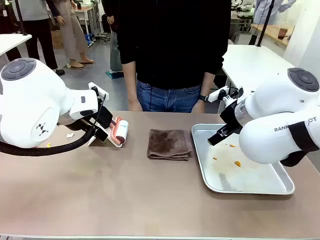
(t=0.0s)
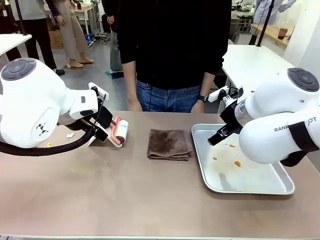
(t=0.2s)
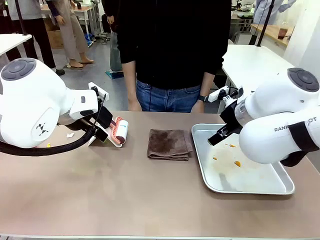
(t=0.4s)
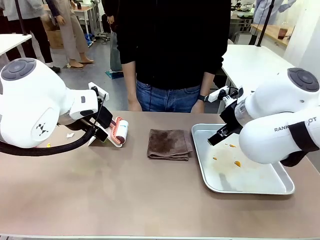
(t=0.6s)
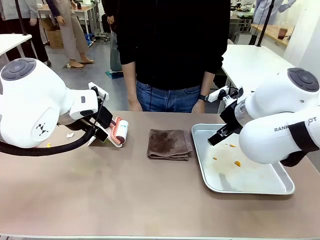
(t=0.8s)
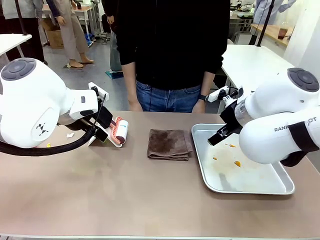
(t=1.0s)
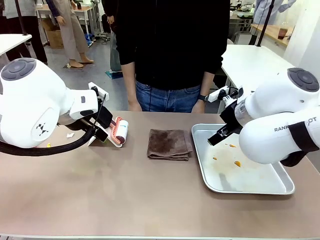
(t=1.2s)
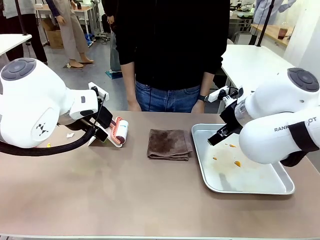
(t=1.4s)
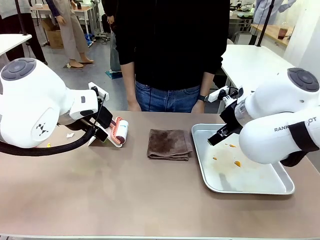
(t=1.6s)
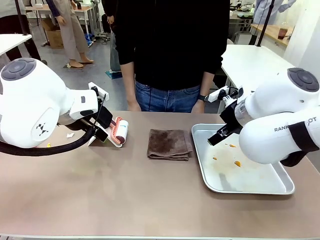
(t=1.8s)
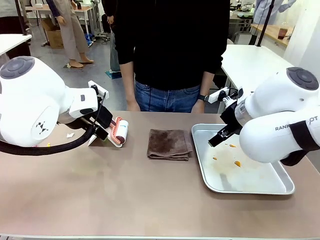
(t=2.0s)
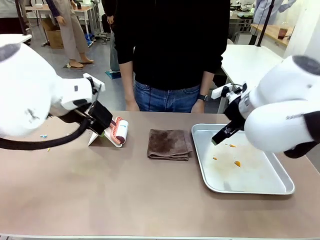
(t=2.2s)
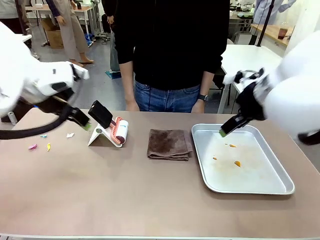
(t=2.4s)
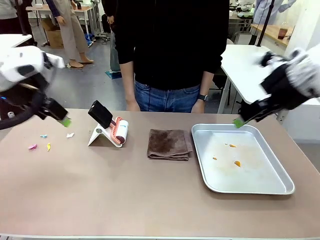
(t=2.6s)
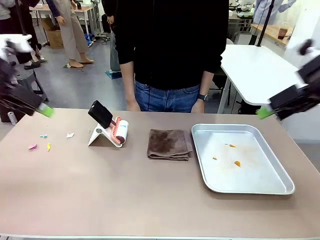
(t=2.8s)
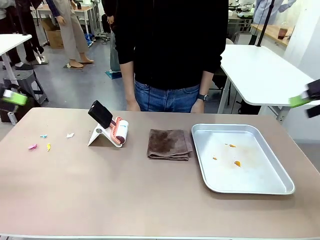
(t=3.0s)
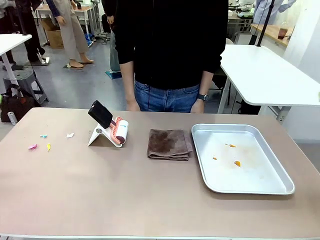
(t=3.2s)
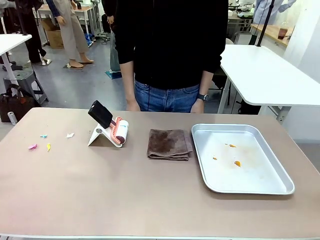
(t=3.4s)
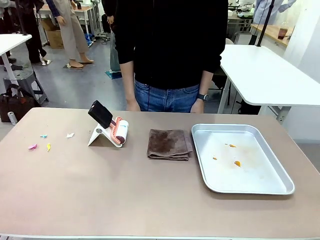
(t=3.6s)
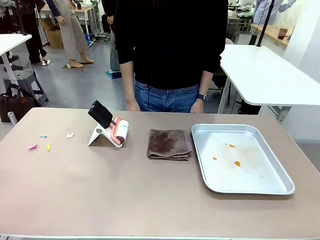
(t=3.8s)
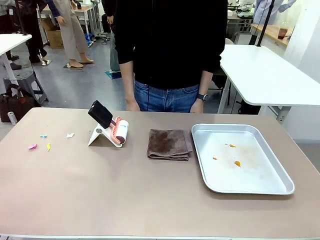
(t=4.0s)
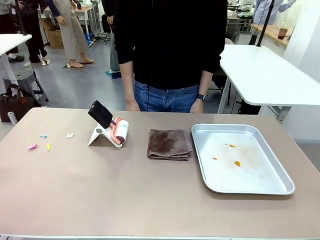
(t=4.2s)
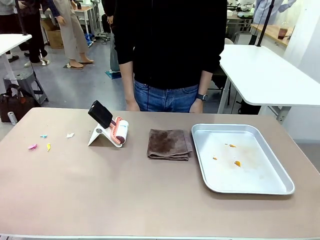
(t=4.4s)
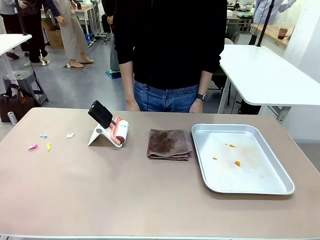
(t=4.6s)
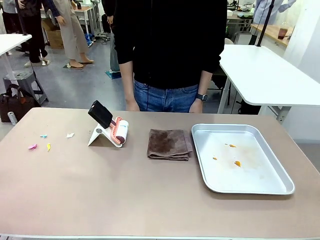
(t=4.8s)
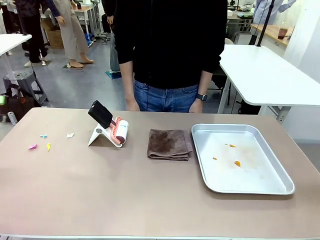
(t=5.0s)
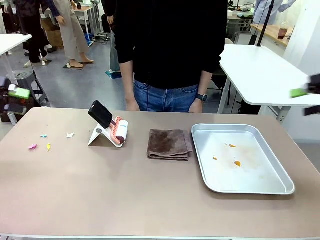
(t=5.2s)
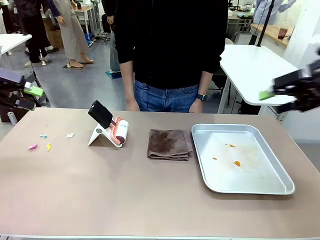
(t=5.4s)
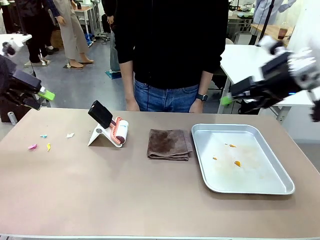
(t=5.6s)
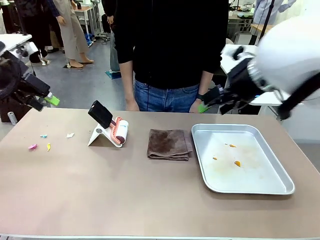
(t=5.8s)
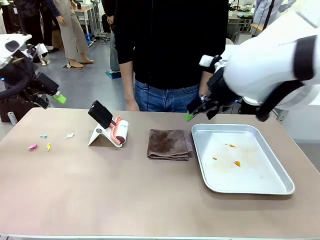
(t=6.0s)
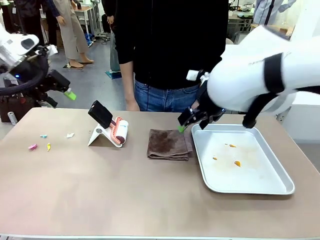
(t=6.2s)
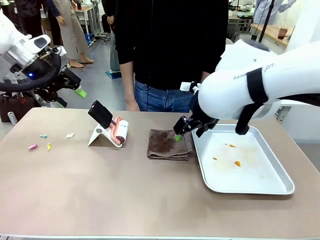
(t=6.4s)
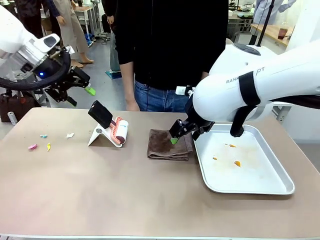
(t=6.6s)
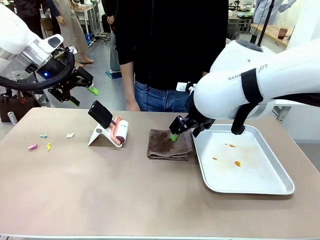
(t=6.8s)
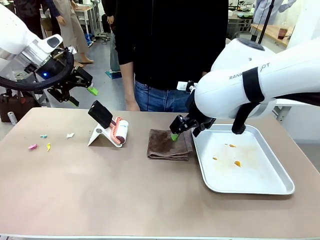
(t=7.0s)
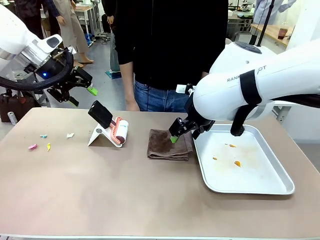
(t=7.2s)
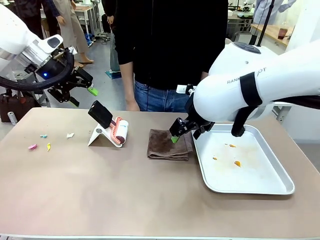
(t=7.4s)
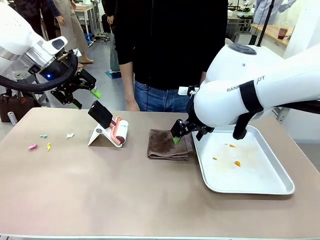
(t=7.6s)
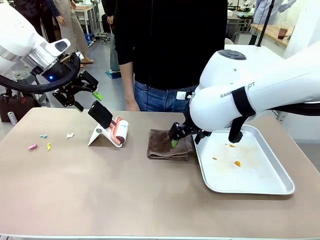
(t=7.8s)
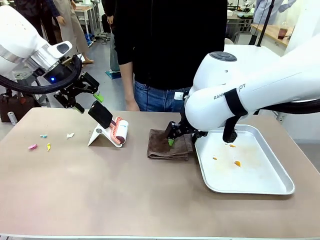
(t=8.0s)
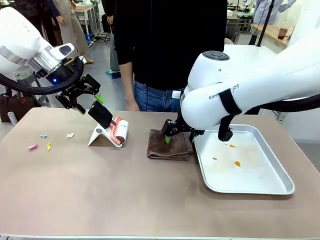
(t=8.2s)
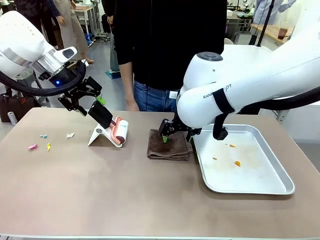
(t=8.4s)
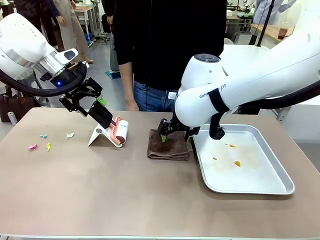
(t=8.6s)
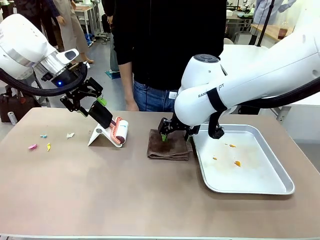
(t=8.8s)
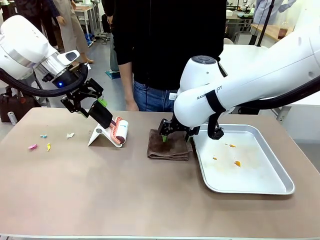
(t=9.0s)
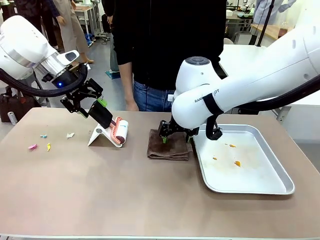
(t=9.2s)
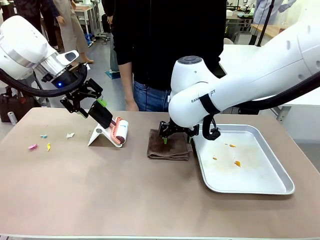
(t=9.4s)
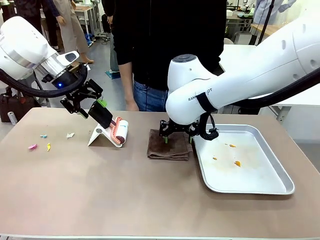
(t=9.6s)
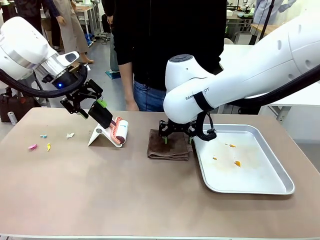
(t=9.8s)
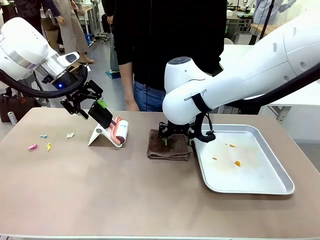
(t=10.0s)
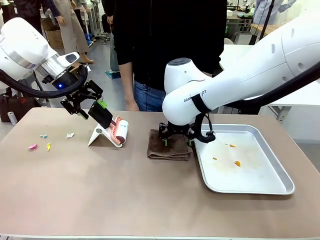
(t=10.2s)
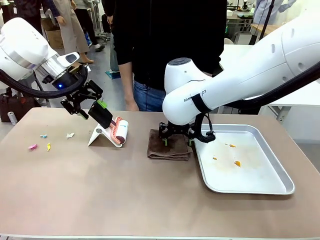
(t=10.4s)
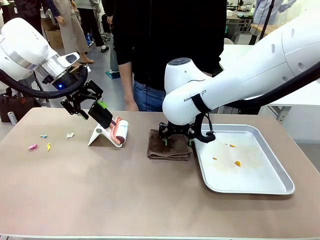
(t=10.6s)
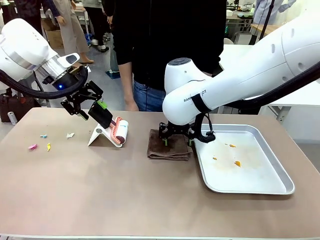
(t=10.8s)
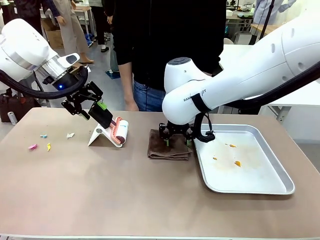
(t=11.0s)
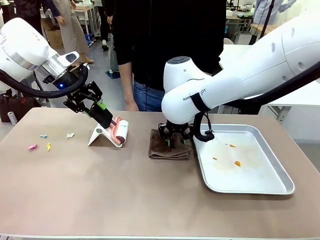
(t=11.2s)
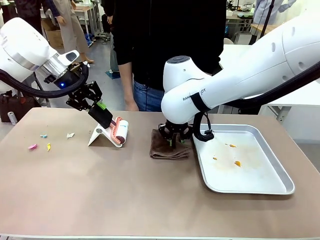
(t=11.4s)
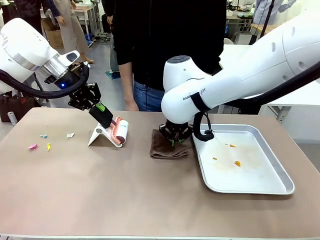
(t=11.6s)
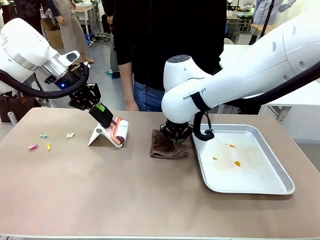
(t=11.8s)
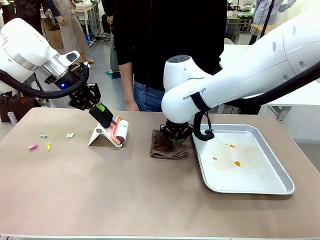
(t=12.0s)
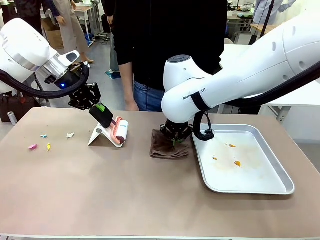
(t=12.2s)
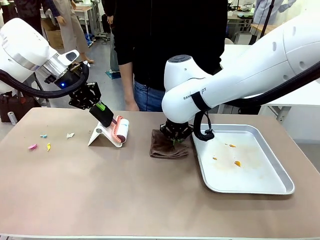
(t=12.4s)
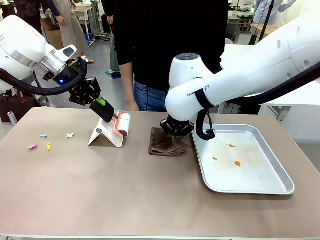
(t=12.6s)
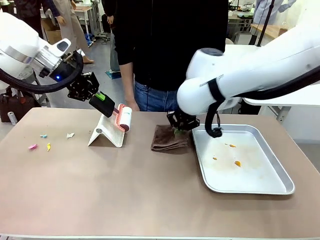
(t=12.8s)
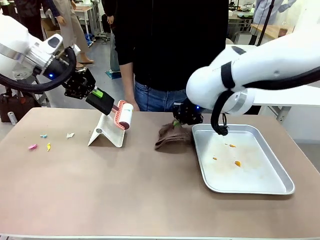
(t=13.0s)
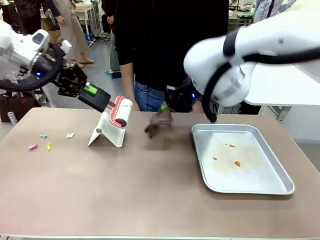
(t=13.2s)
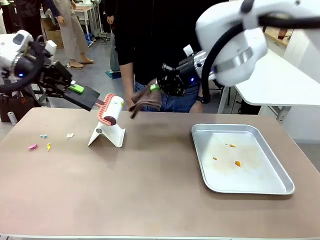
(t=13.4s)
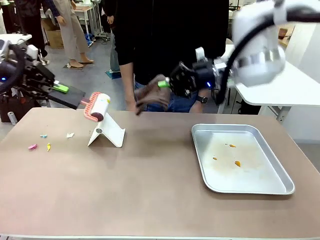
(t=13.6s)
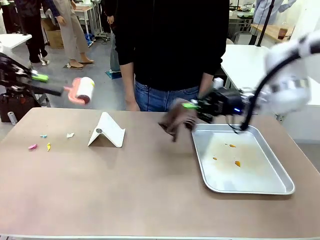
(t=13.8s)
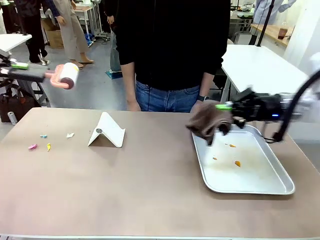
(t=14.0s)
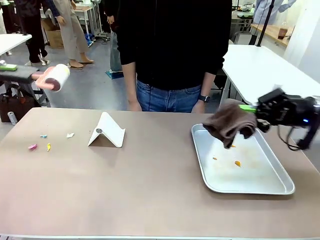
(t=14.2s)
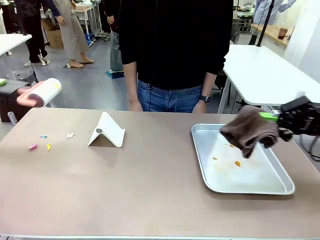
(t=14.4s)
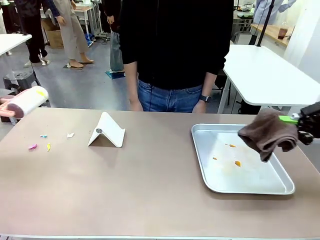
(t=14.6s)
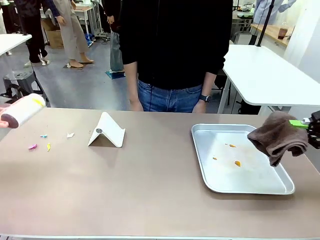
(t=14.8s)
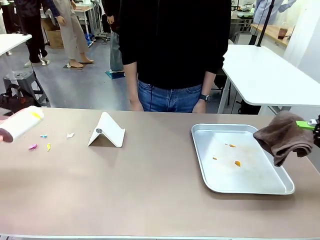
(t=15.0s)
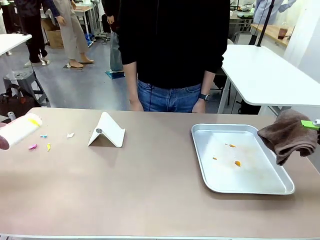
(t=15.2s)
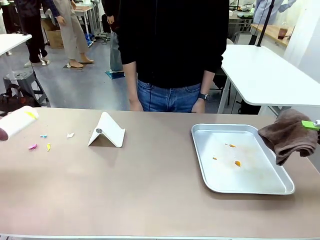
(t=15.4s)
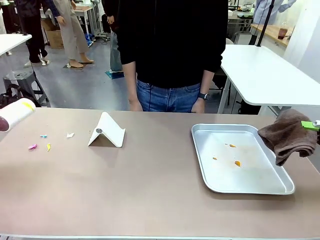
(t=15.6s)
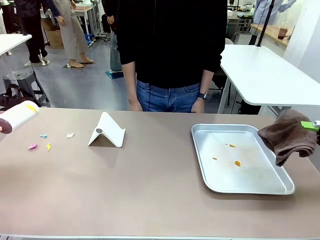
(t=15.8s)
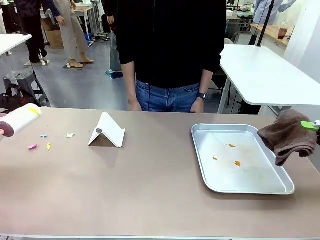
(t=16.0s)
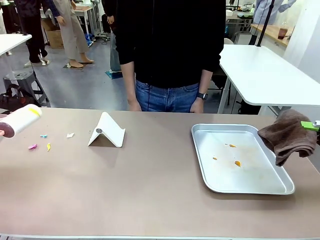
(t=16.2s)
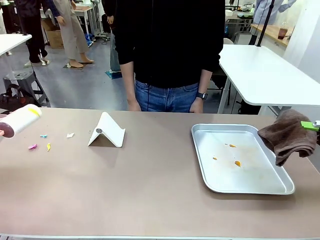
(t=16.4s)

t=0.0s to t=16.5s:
Task: Clean the surface of the table.
Robot: Hold the Lint Roller with your left hand and the towel with your right hand.
